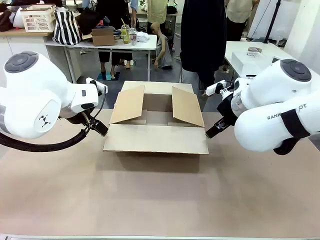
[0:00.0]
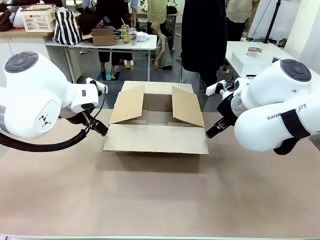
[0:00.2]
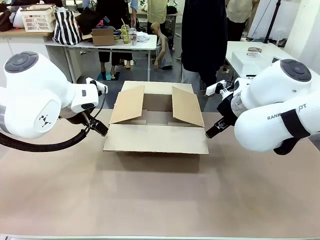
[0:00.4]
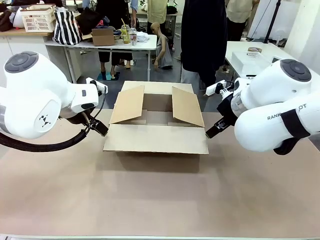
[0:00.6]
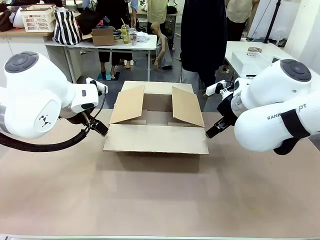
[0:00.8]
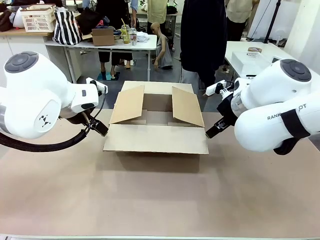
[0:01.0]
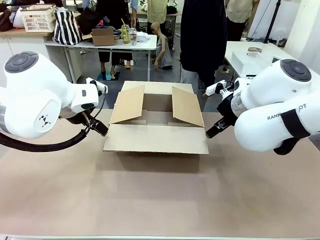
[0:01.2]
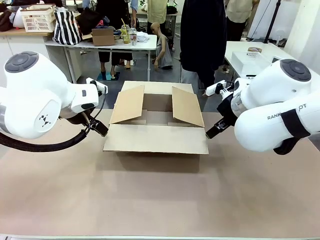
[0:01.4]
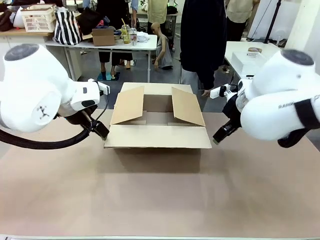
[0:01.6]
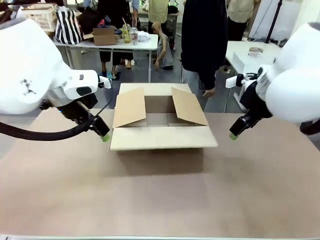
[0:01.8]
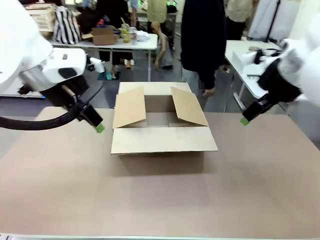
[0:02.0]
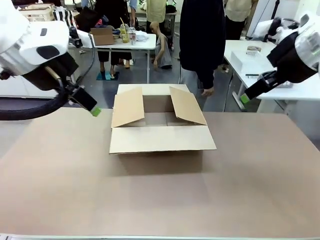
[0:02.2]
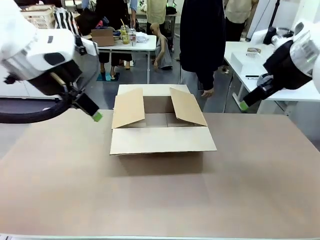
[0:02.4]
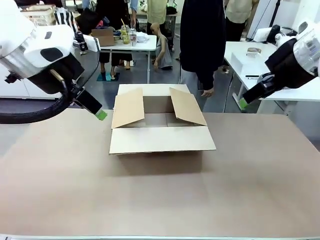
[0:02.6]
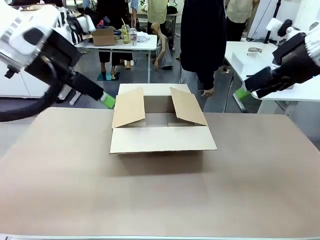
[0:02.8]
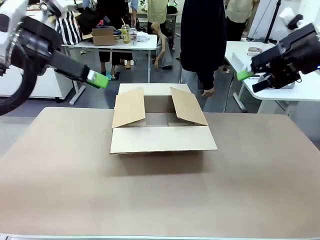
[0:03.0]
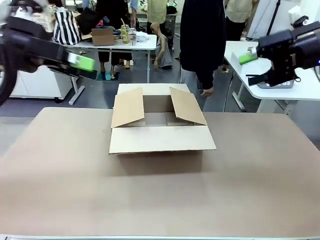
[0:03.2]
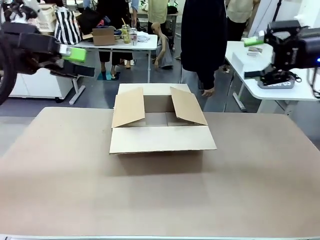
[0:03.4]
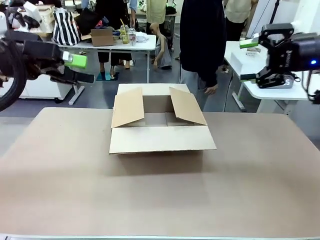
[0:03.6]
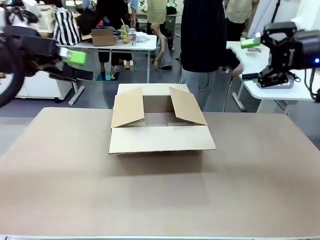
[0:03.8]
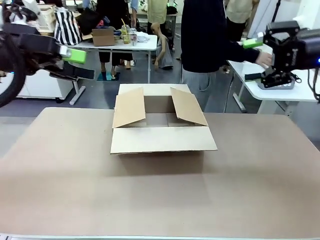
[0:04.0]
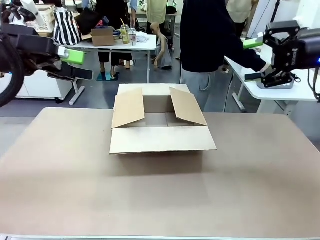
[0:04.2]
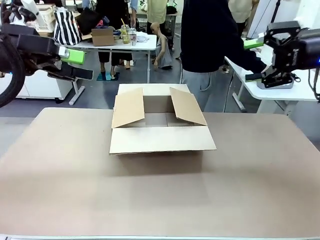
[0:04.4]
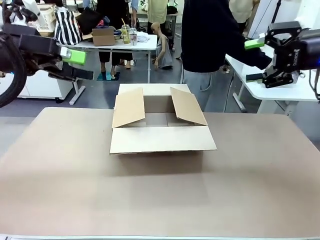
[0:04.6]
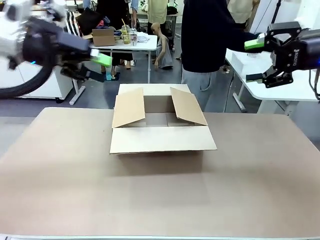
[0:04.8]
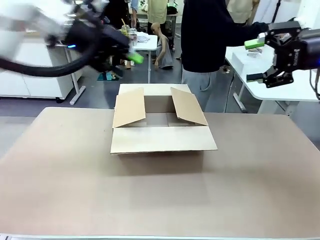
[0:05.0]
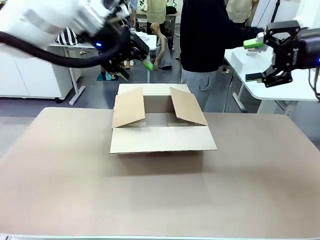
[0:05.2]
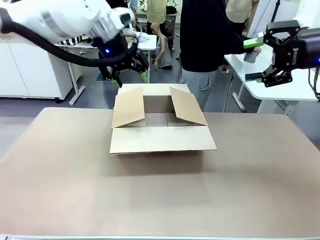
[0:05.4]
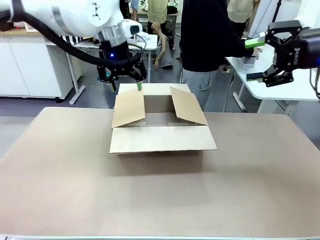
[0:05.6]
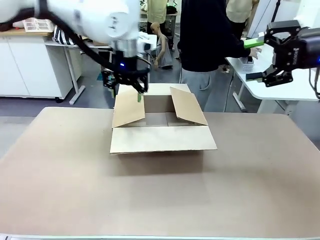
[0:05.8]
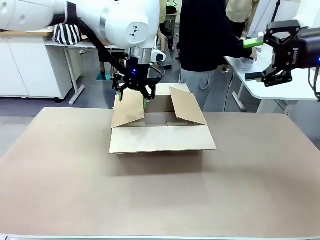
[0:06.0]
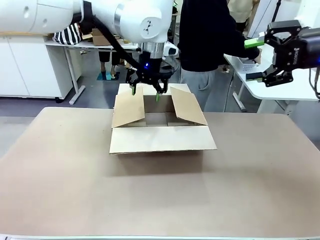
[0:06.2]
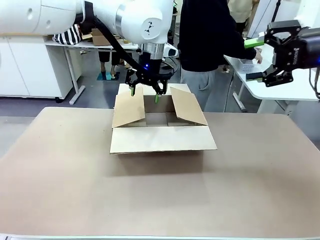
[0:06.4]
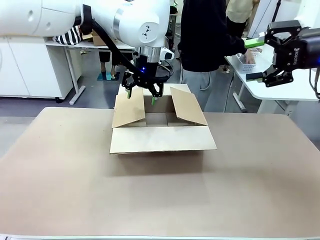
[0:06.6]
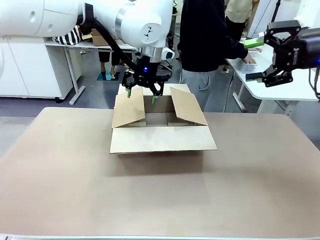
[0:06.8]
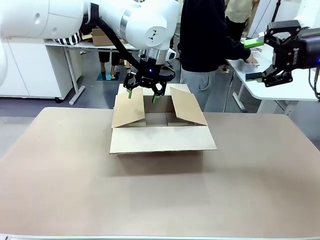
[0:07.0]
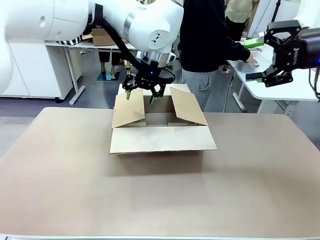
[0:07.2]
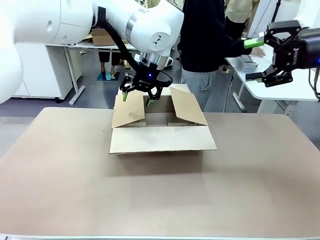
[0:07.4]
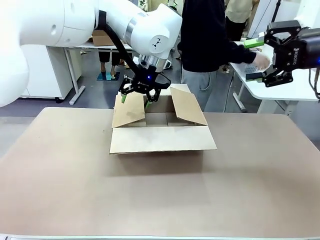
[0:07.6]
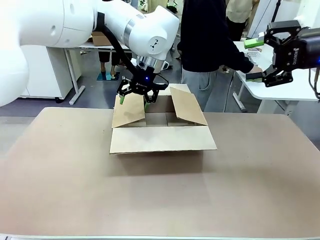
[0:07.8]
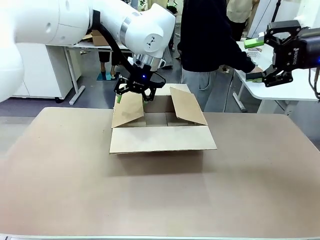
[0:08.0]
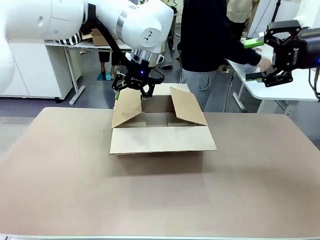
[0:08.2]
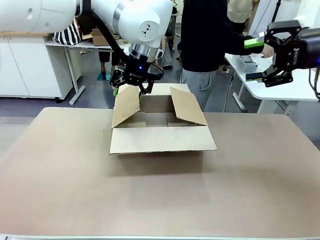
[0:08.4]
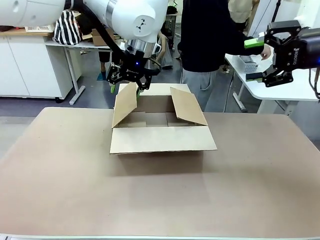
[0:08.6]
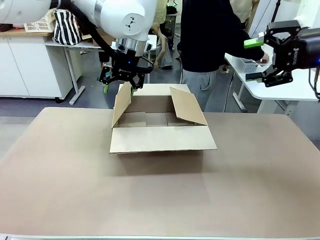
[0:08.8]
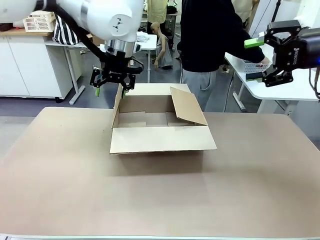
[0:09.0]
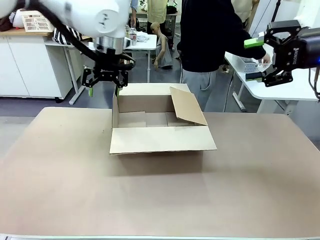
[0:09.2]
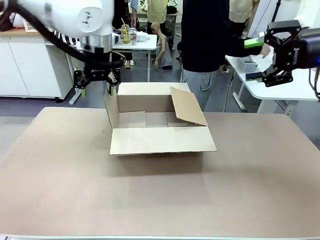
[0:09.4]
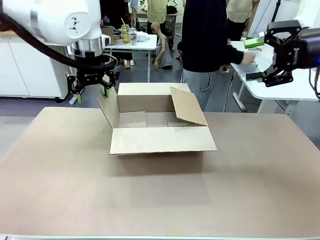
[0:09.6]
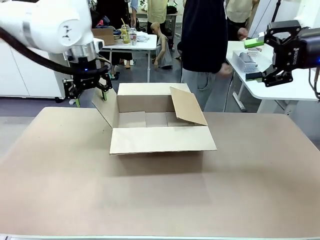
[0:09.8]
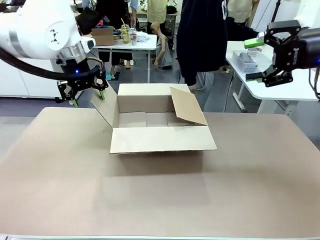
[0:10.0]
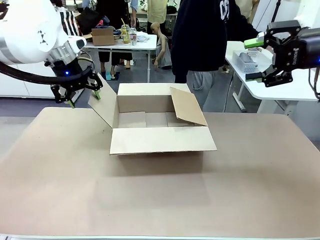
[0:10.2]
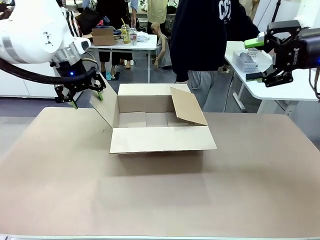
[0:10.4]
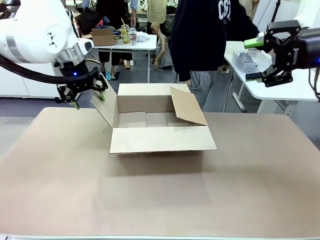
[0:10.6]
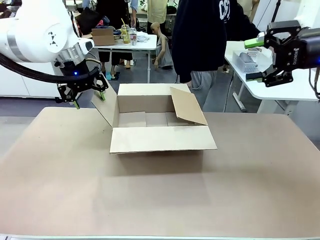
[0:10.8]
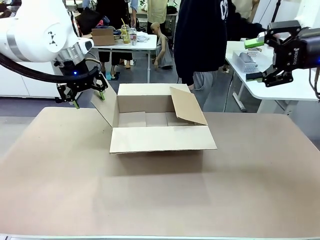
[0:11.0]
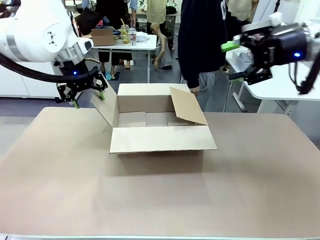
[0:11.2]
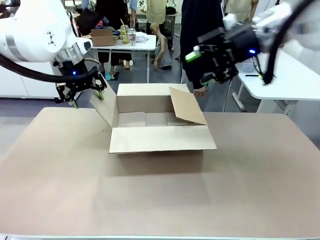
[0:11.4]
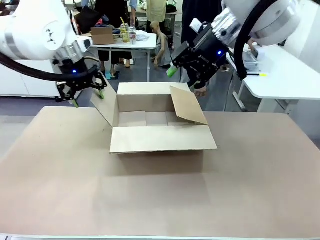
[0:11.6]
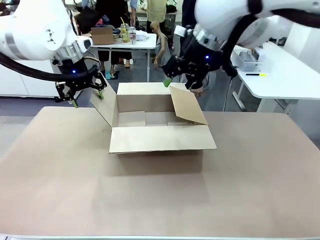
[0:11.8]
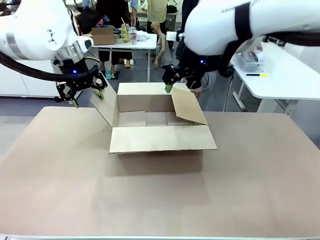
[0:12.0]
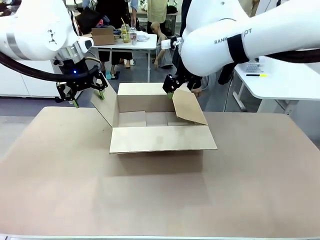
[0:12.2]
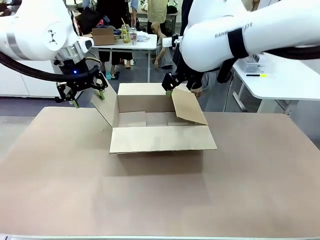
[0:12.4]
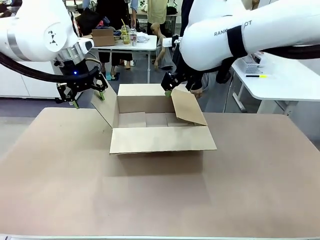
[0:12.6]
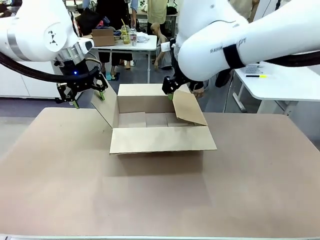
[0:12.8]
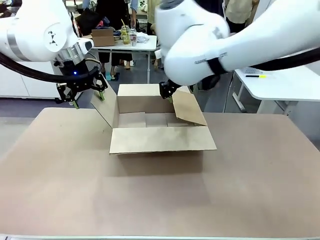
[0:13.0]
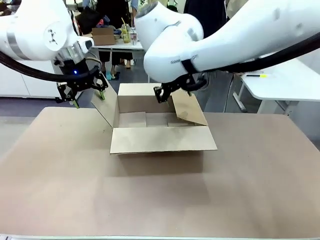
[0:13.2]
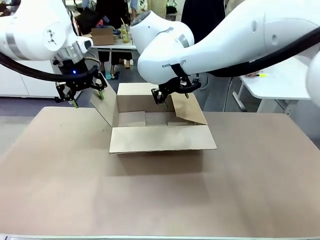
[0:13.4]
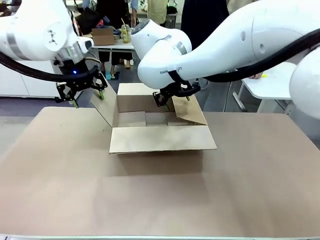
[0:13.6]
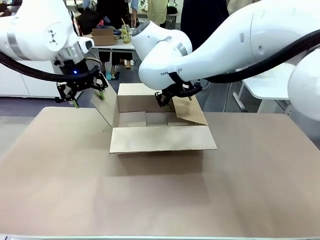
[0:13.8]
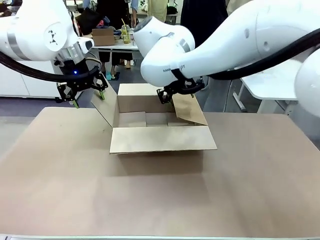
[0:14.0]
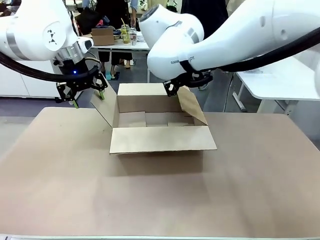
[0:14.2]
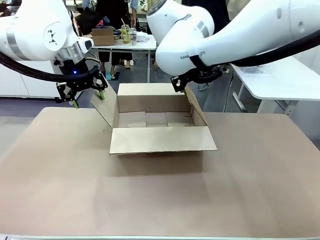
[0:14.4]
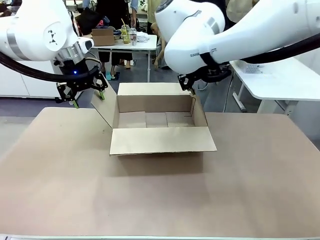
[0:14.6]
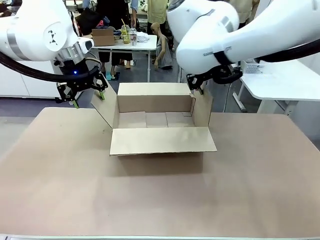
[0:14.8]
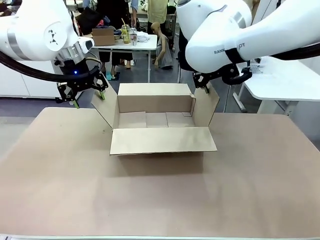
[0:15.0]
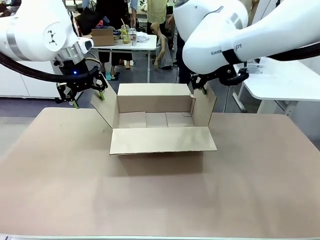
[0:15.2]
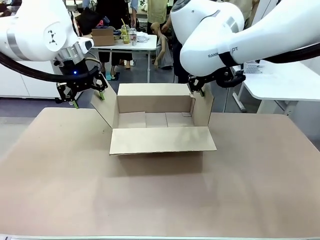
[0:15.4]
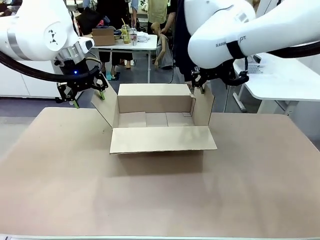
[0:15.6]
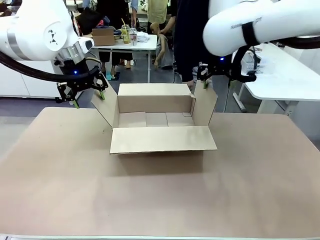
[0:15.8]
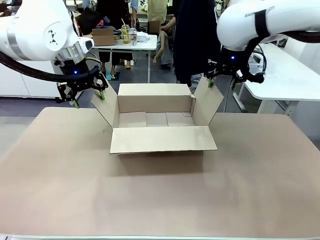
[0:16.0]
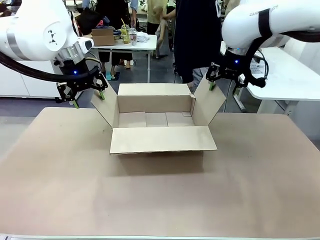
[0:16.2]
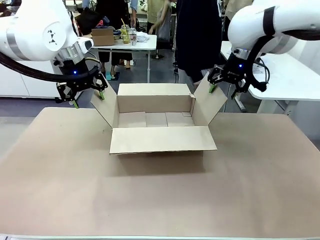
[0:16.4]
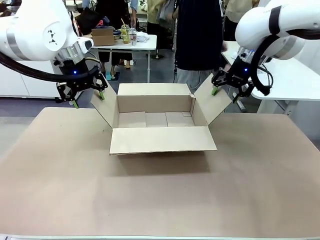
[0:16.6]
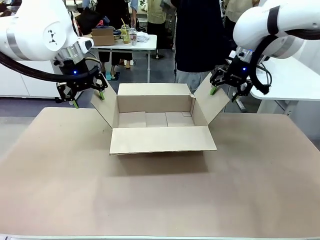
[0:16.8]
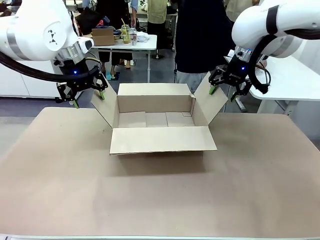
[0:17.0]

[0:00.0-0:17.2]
Task: Pack the gift set into the box.
Robot: Place both hands on the side flaps of the Package Box and spread them outward.
Person: The human places all items except the paper tape into the organizing basket.

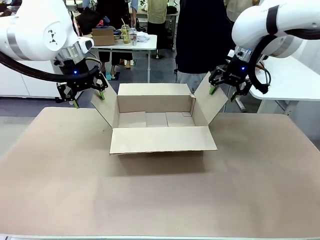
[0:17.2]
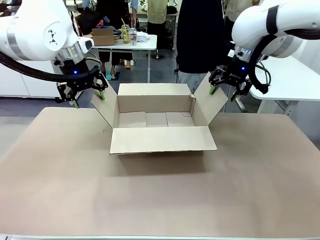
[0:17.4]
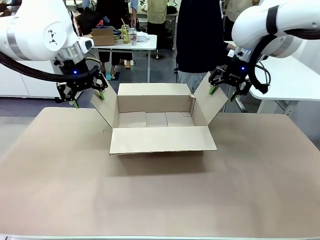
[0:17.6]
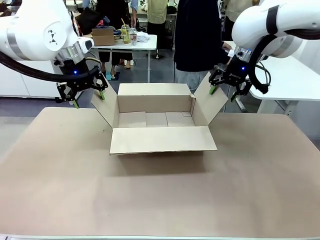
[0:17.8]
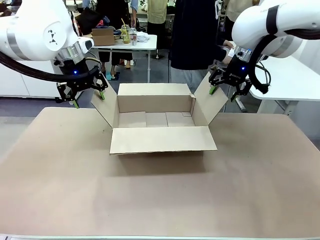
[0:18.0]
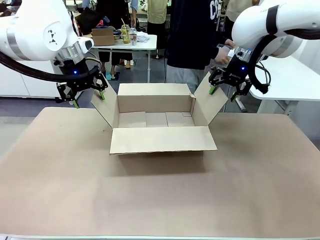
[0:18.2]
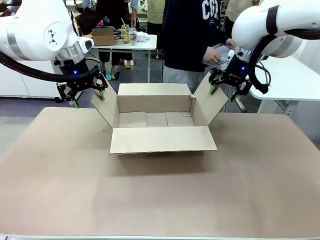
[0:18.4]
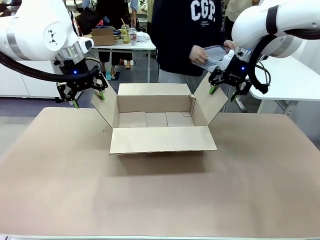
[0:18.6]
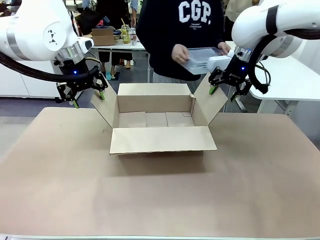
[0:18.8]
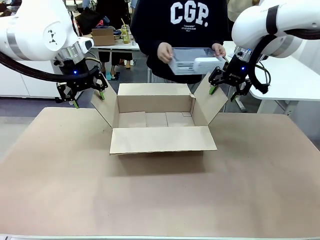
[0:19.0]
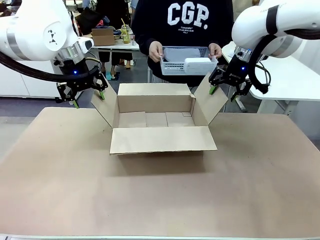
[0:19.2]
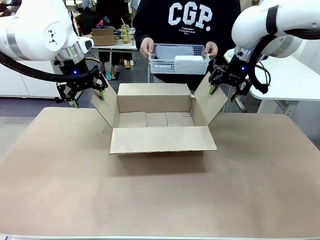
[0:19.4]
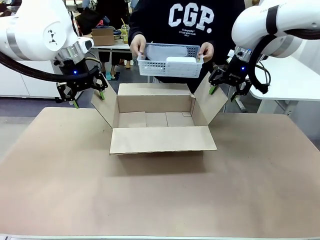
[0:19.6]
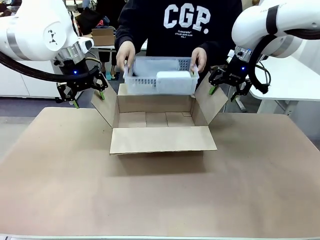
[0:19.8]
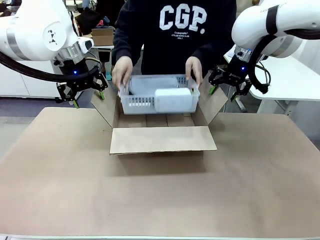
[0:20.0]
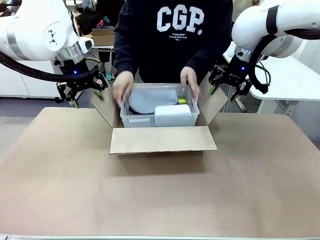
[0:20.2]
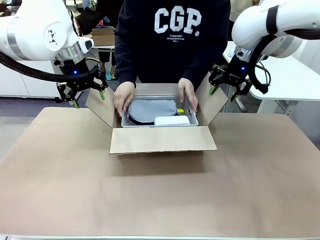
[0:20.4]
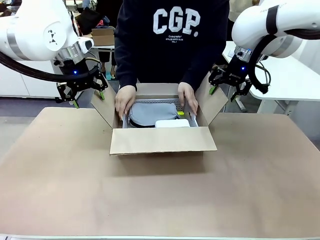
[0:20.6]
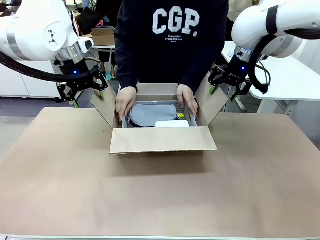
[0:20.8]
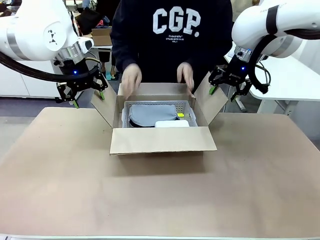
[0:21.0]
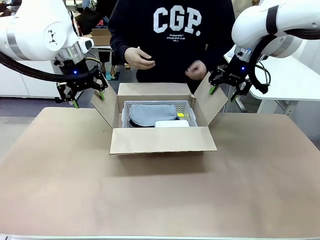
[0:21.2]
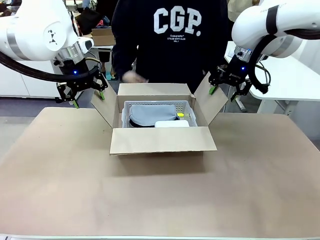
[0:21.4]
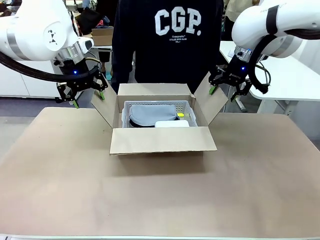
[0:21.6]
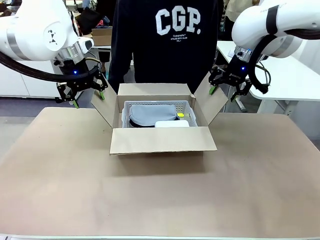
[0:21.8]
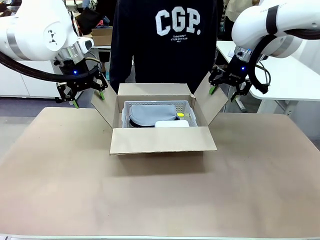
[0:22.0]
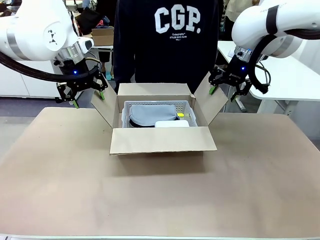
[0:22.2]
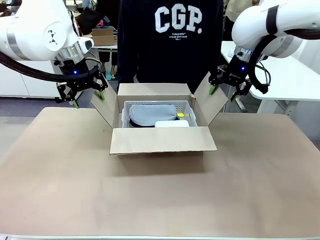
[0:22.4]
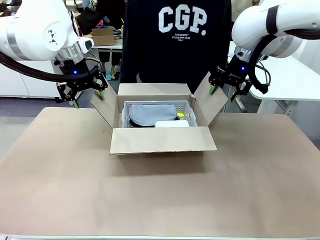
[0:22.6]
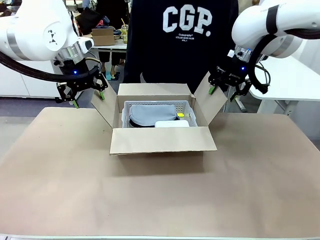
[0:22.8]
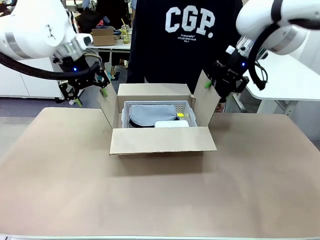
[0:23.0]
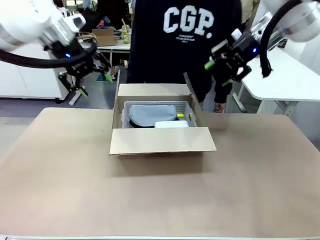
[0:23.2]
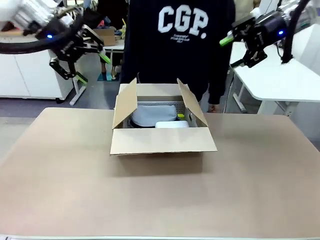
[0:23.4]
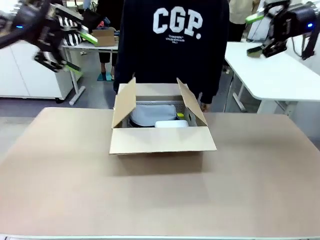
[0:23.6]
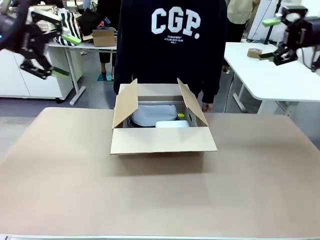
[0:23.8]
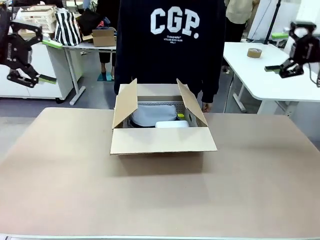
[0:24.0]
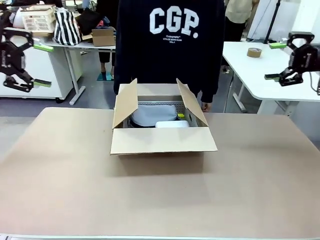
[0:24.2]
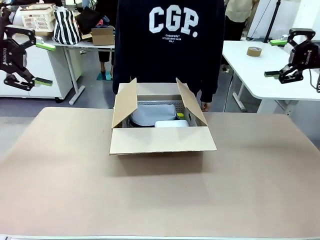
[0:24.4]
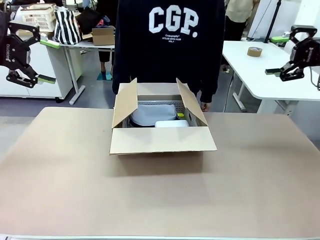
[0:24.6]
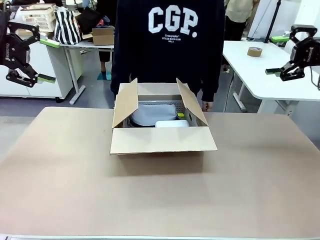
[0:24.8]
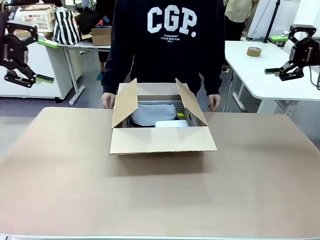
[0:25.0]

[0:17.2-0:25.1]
Robot: Lift both hands away from the flaps of the Package Box.
Person: The human picks up the organizing basket and places the organizing basket into the package box on the robot table.
